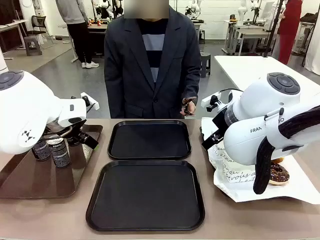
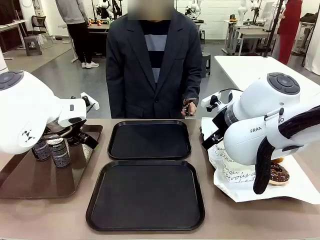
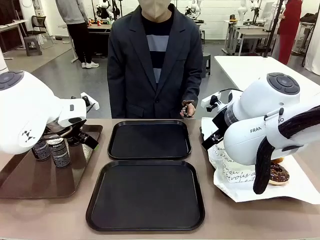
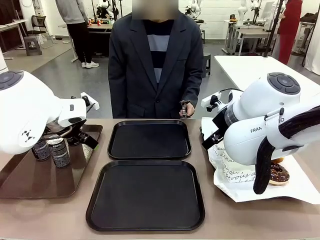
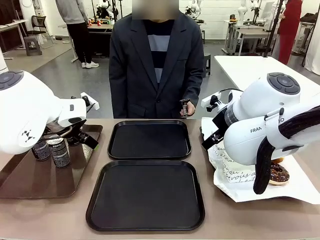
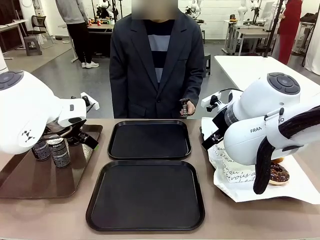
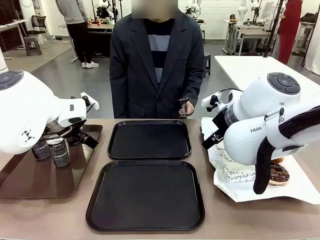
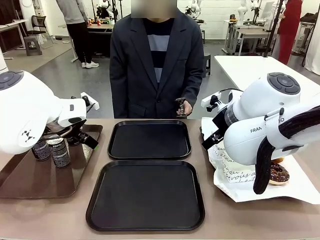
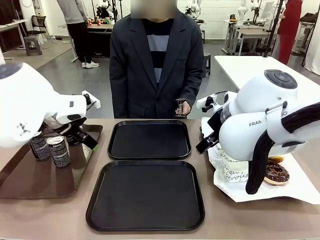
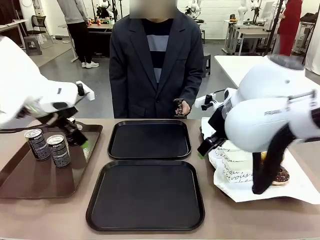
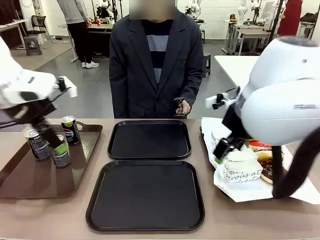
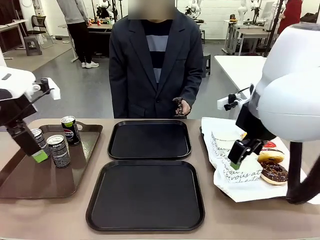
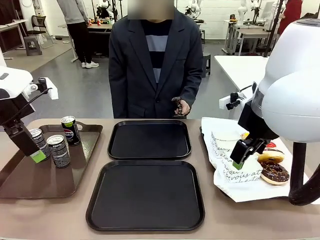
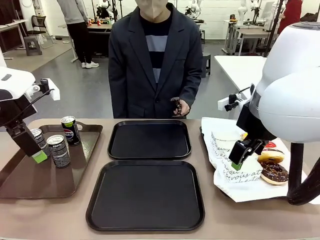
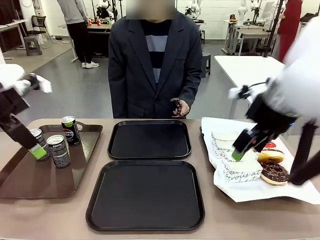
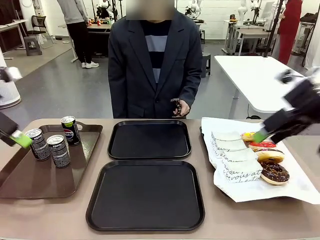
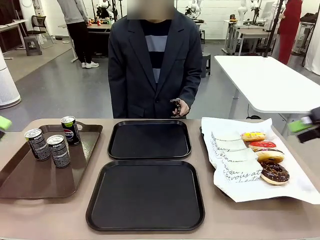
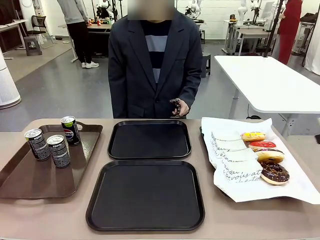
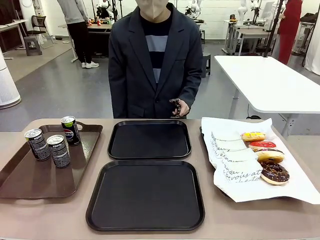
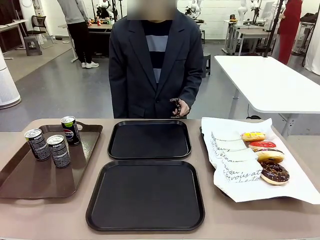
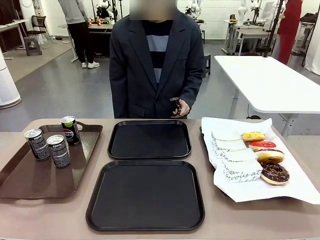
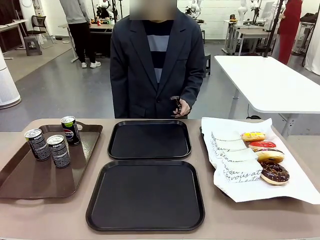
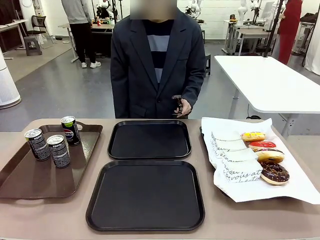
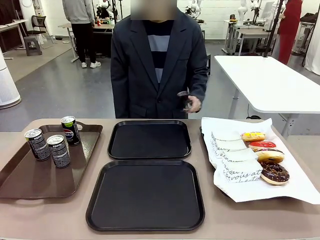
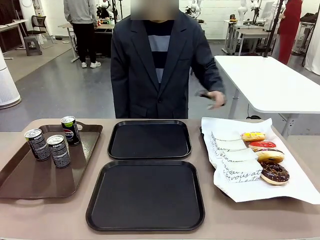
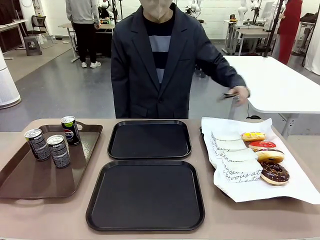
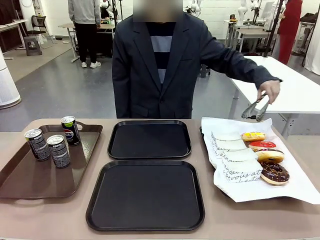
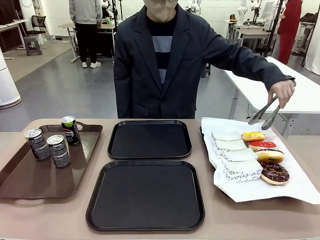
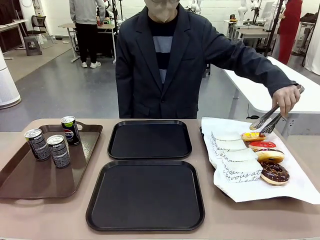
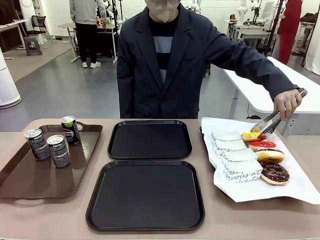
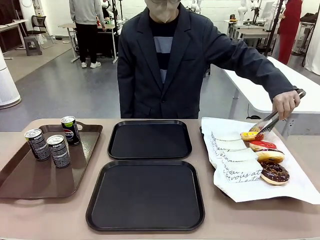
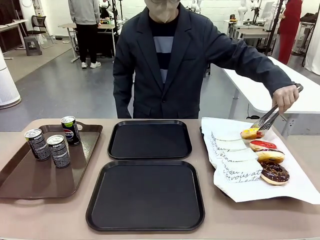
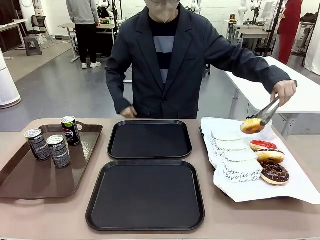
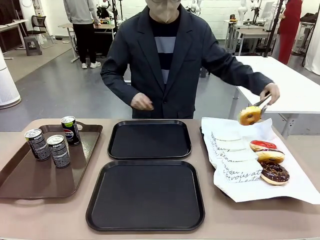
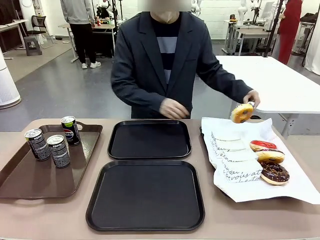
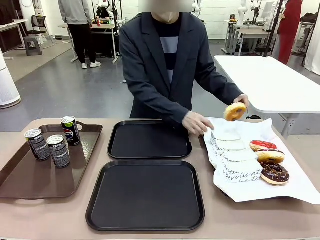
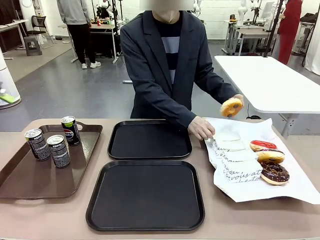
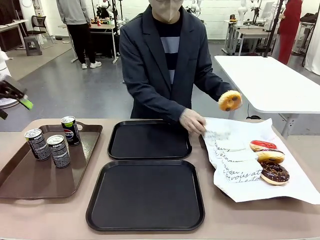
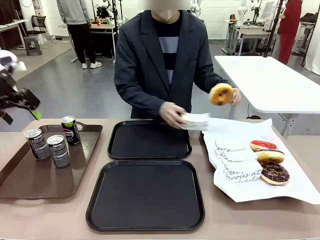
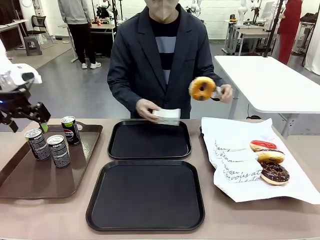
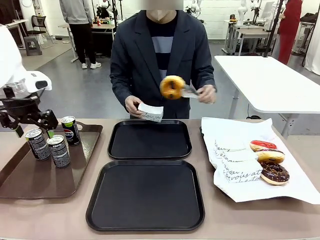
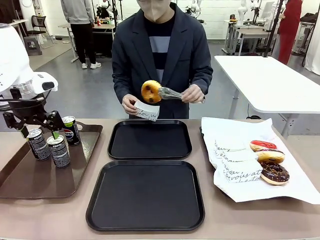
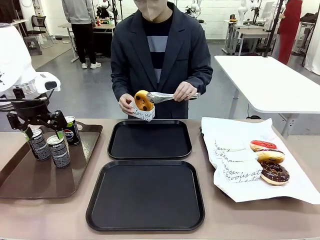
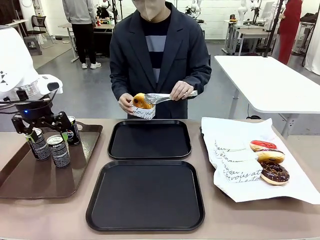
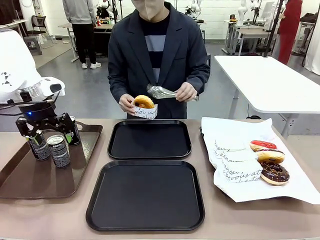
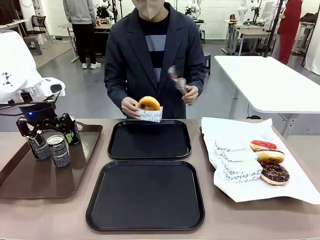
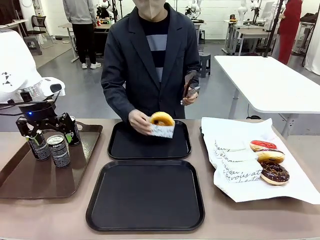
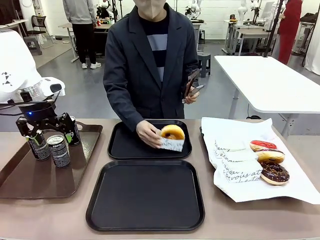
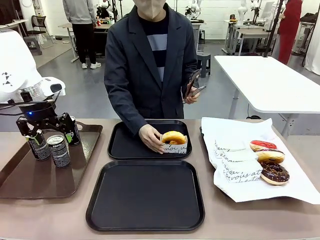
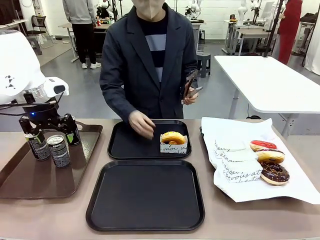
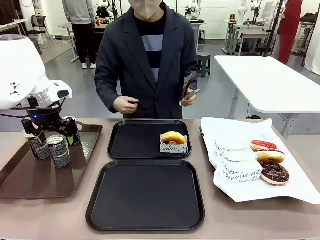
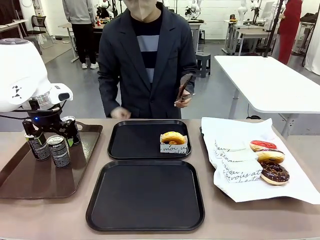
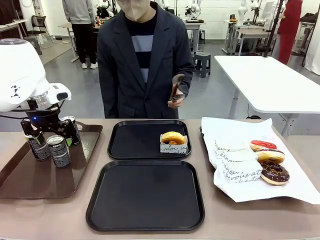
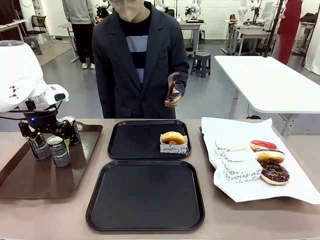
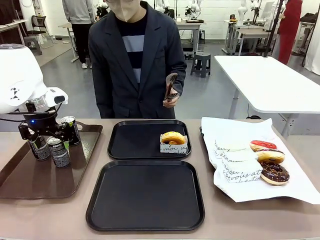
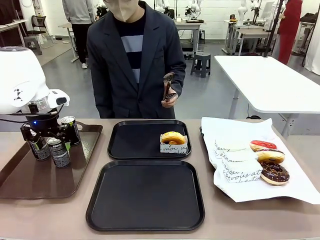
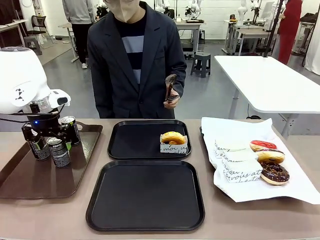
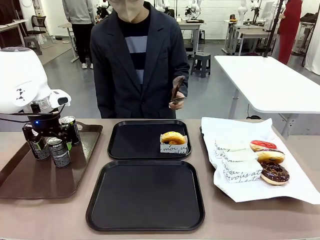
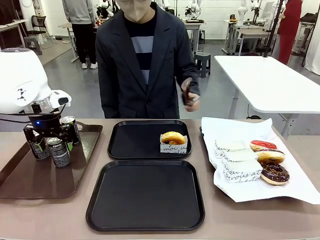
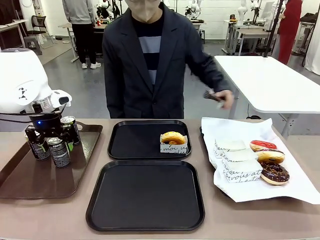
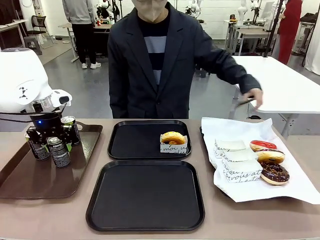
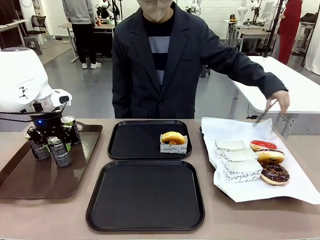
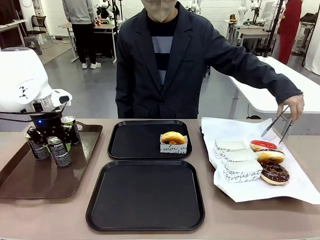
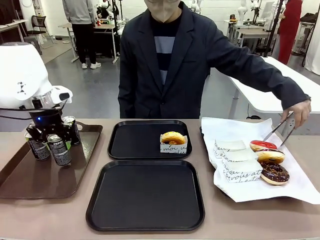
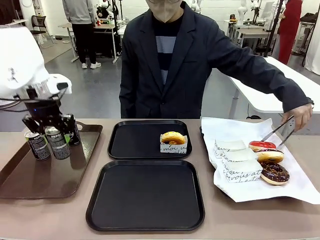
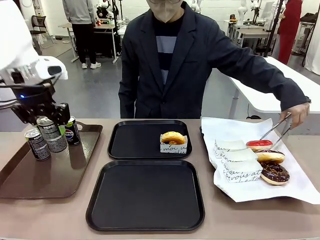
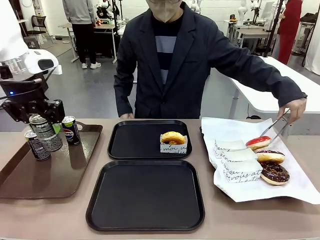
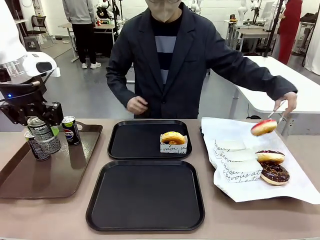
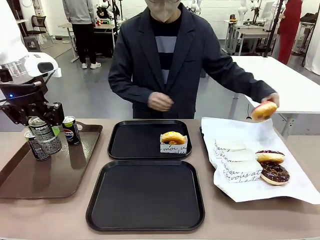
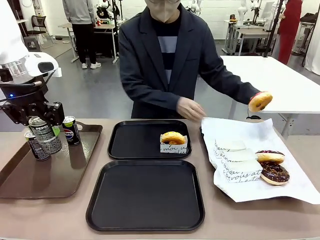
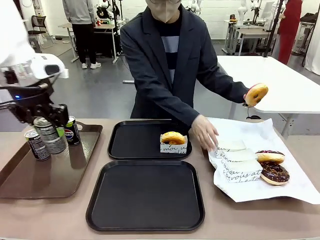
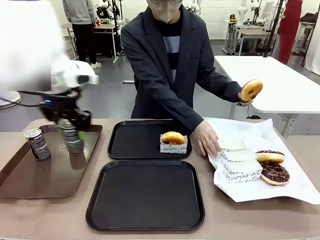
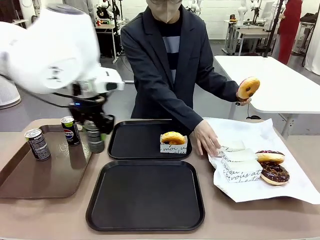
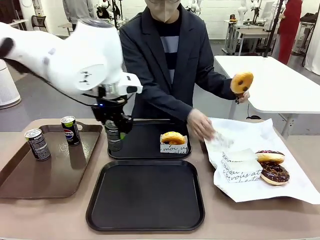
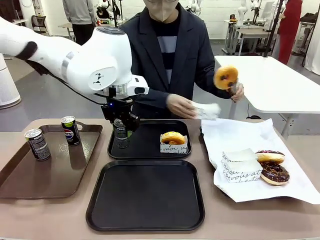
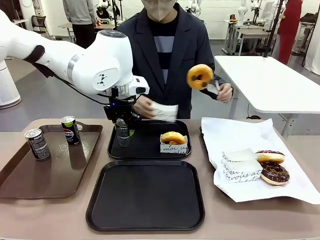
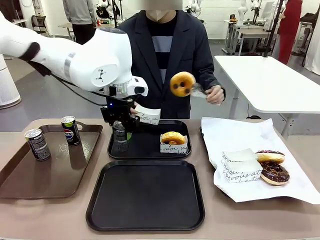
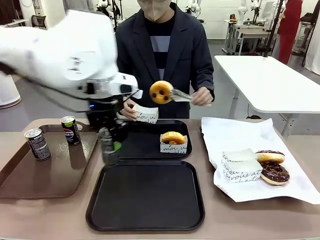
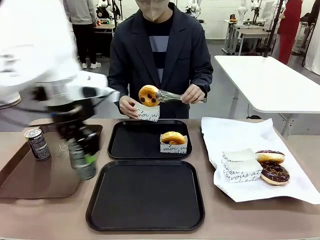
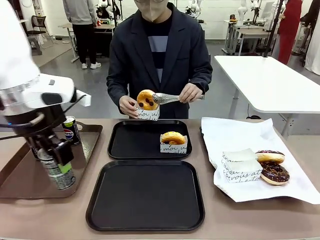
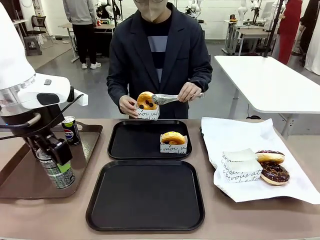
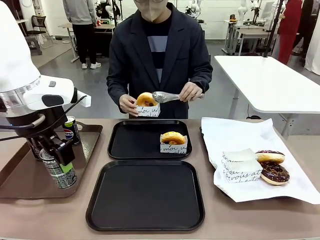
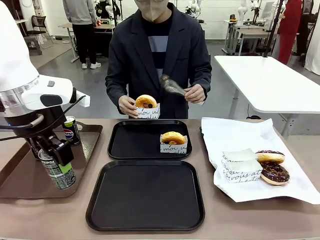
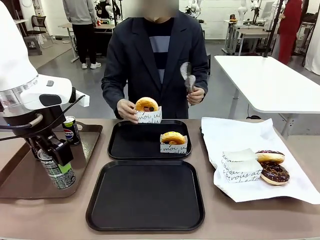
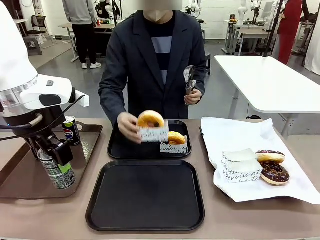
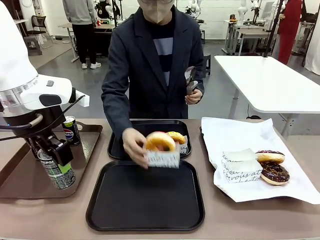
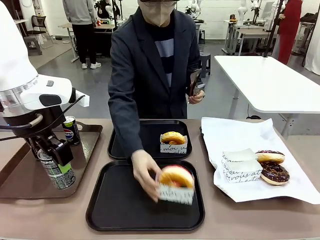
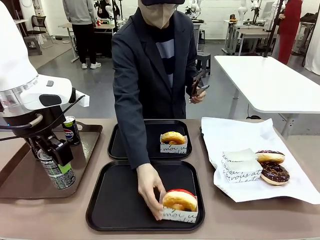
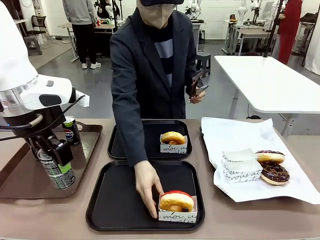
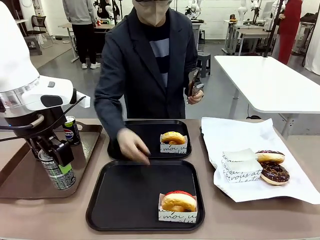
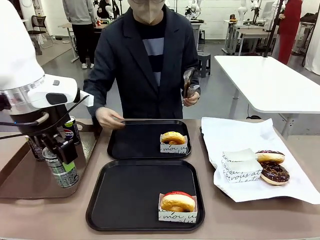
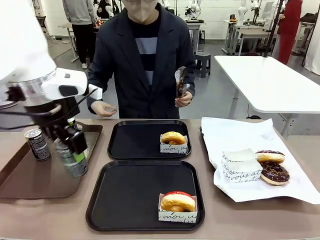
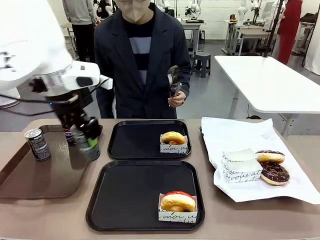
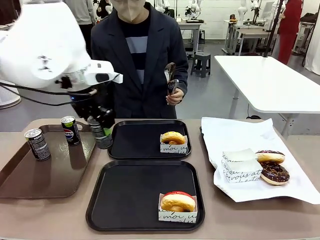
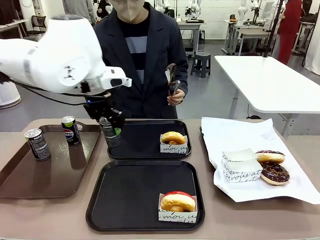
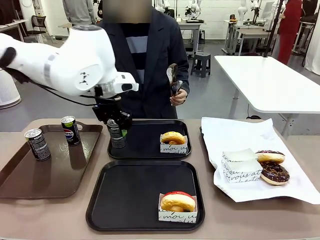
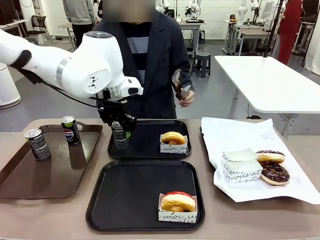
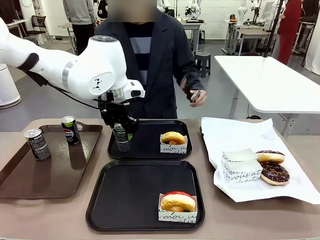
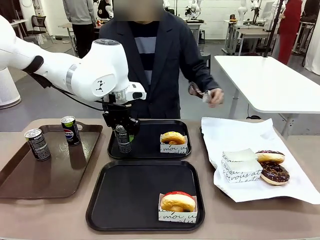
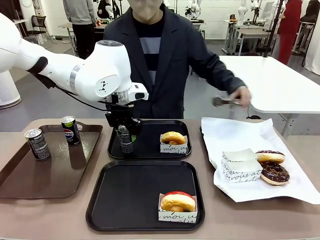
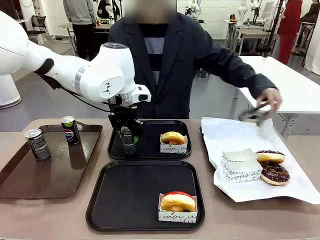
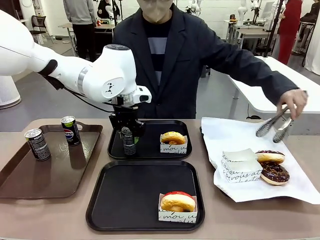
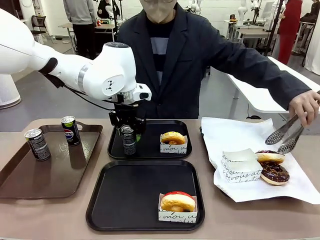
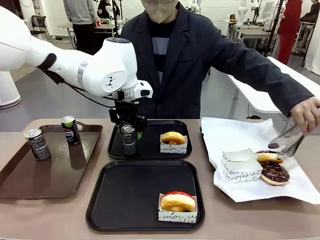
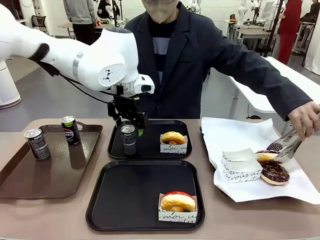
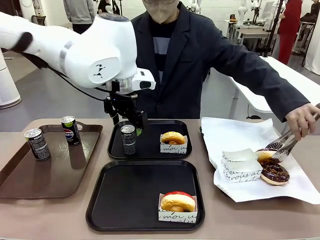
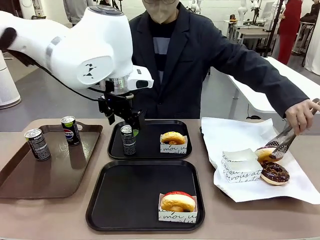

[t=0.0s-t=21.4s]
Task: Set up donuts and drinks on trays.
Robot: Pick up one Pepsi coke and place it on the Flat Tray.
Person: Pick up one donut with tongs, place it in the donut tray, and then place the donut tray on the flat tray.
